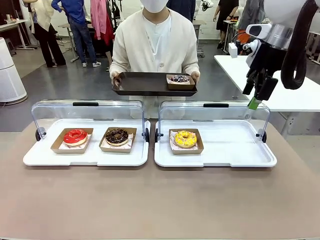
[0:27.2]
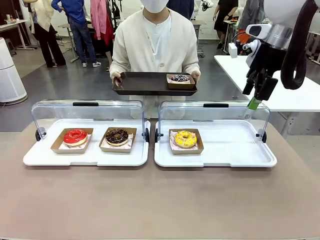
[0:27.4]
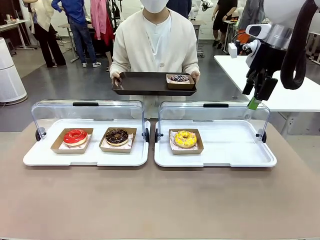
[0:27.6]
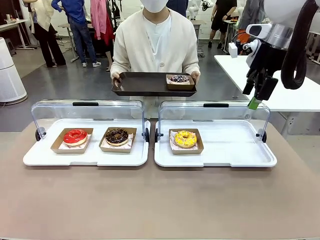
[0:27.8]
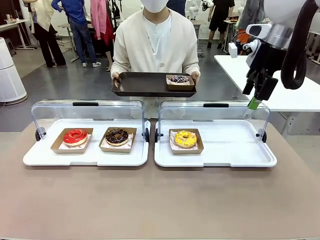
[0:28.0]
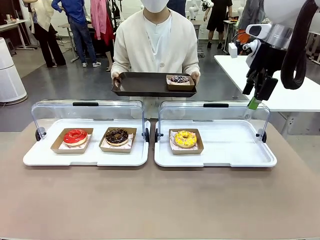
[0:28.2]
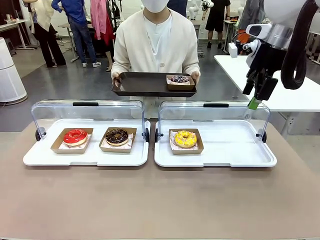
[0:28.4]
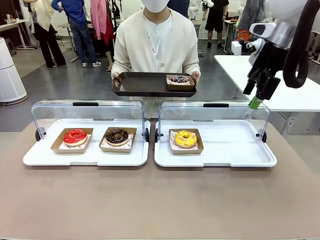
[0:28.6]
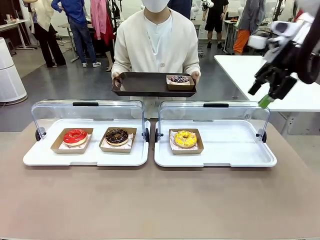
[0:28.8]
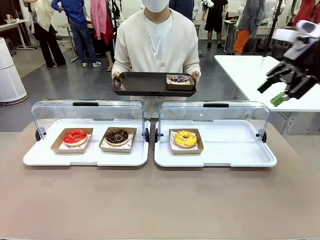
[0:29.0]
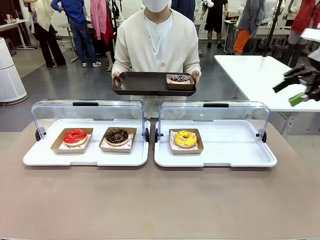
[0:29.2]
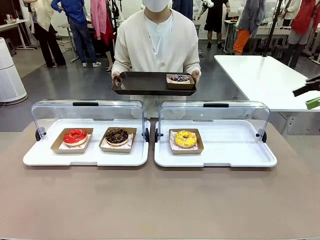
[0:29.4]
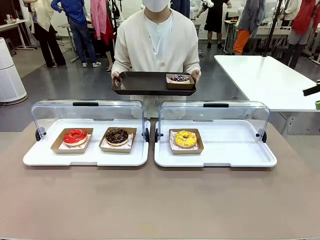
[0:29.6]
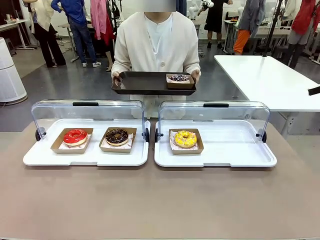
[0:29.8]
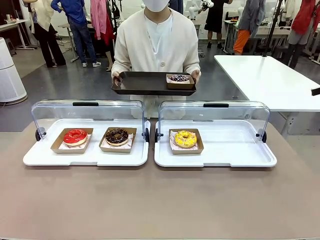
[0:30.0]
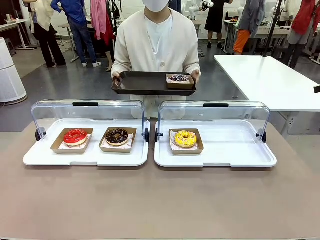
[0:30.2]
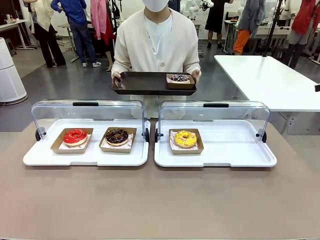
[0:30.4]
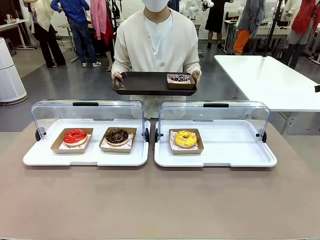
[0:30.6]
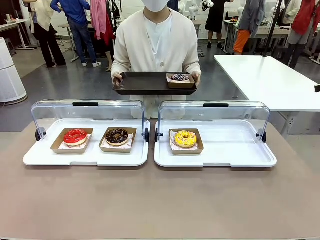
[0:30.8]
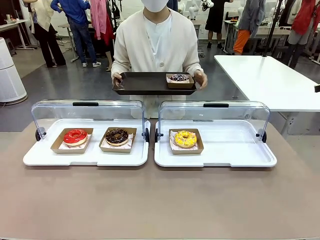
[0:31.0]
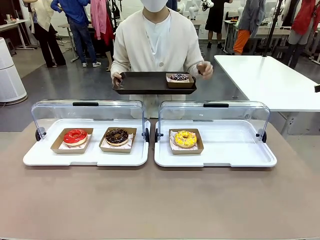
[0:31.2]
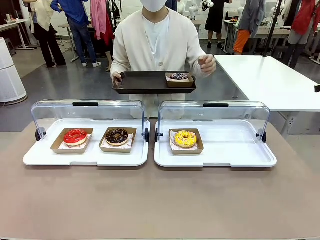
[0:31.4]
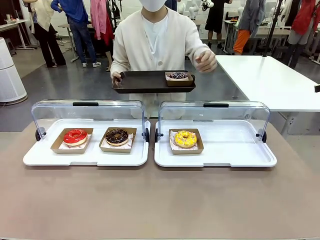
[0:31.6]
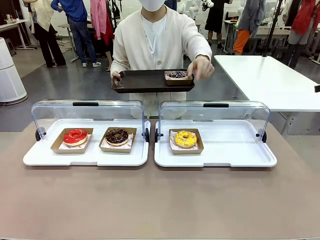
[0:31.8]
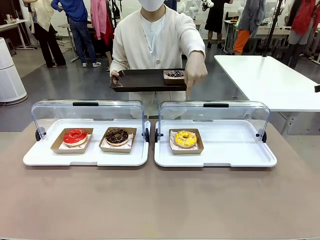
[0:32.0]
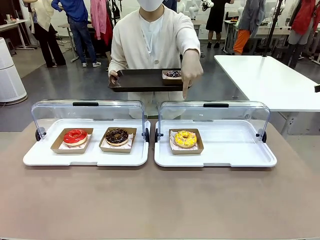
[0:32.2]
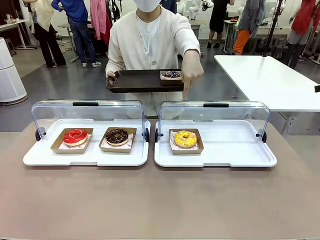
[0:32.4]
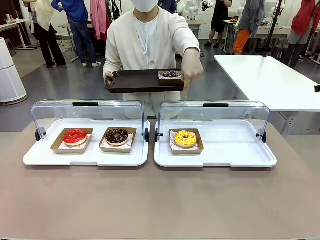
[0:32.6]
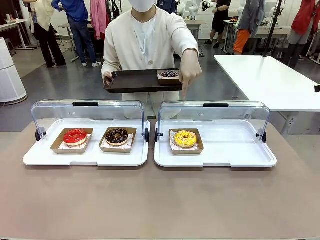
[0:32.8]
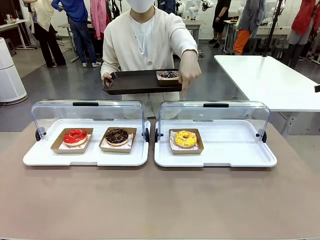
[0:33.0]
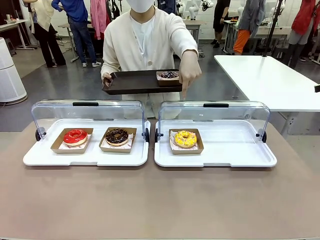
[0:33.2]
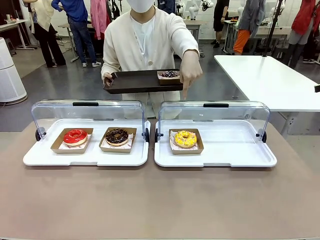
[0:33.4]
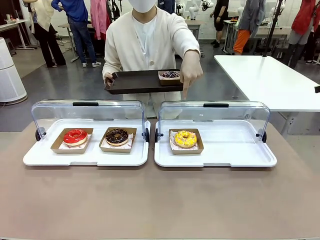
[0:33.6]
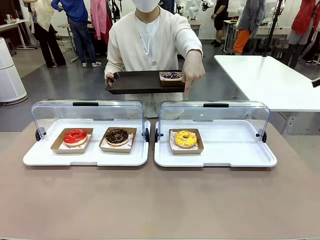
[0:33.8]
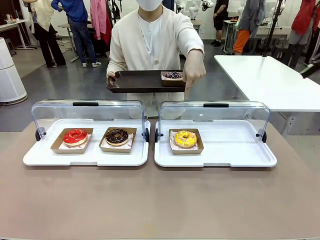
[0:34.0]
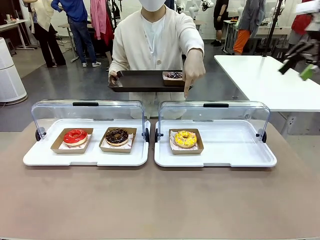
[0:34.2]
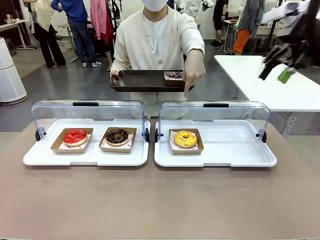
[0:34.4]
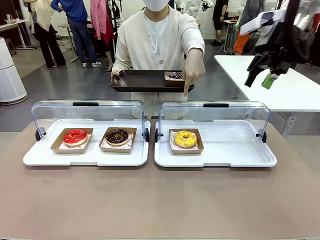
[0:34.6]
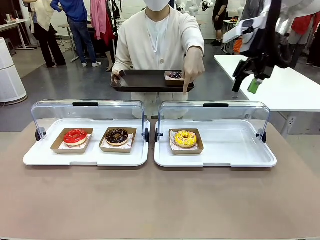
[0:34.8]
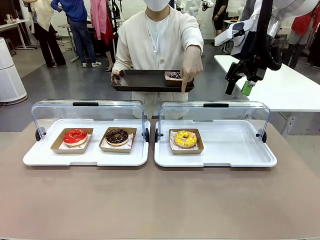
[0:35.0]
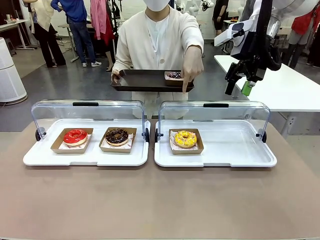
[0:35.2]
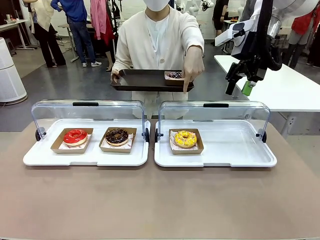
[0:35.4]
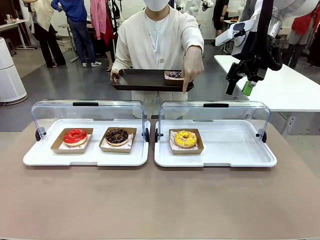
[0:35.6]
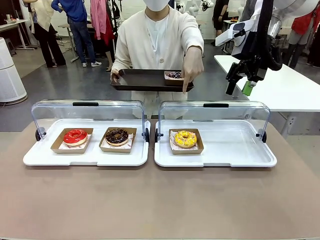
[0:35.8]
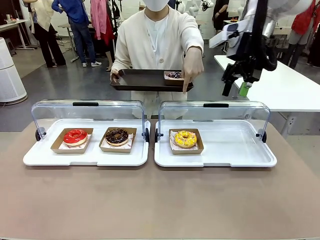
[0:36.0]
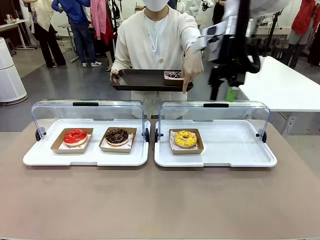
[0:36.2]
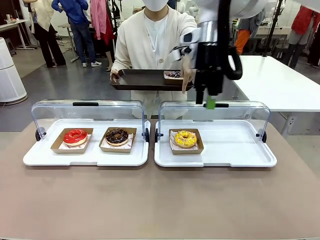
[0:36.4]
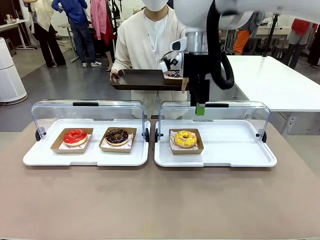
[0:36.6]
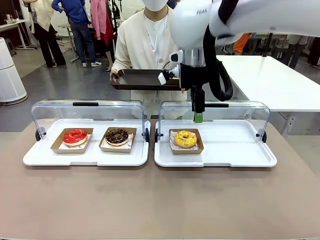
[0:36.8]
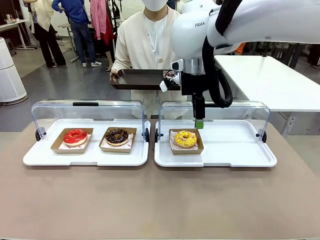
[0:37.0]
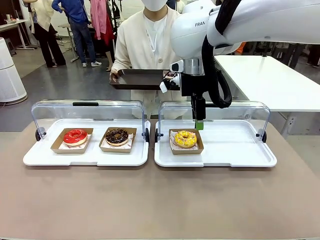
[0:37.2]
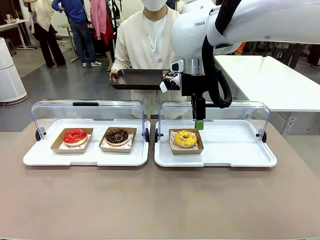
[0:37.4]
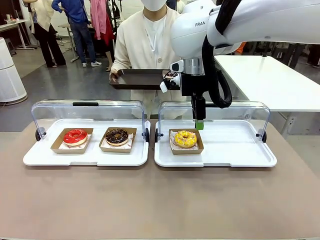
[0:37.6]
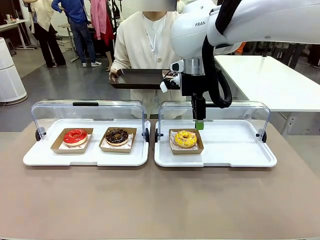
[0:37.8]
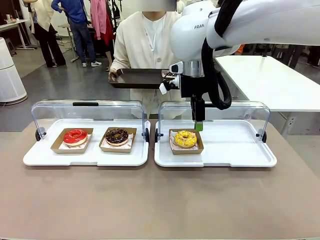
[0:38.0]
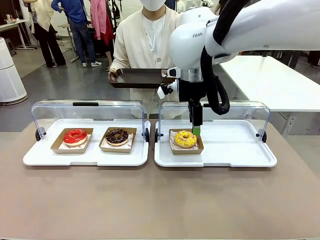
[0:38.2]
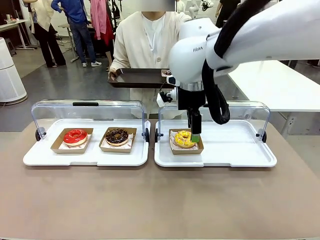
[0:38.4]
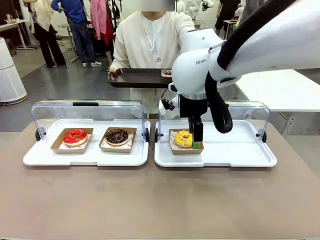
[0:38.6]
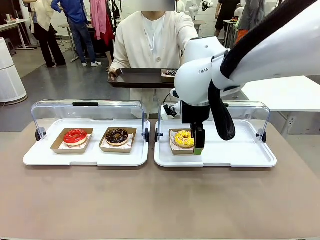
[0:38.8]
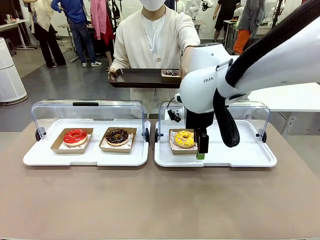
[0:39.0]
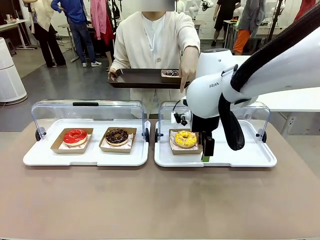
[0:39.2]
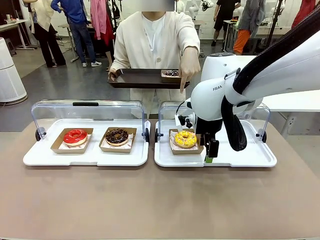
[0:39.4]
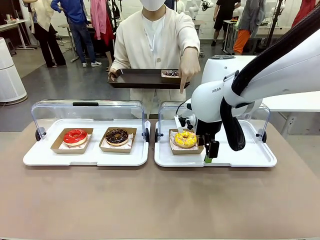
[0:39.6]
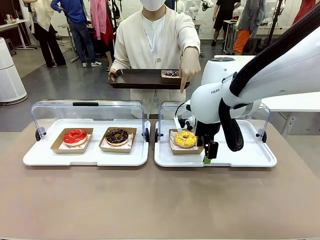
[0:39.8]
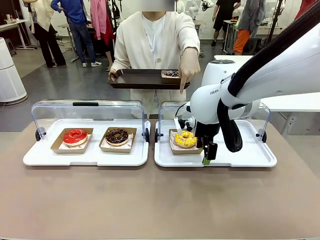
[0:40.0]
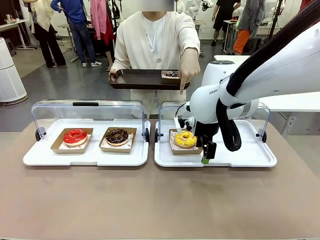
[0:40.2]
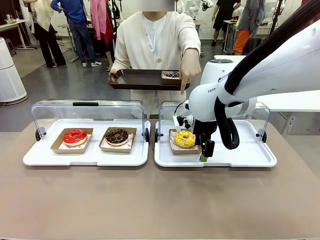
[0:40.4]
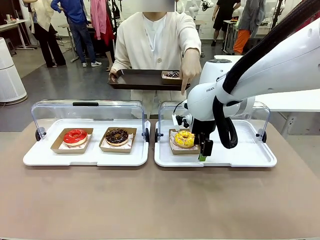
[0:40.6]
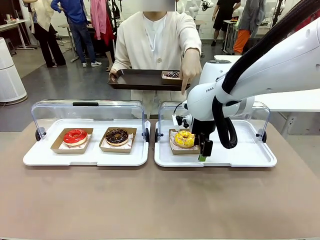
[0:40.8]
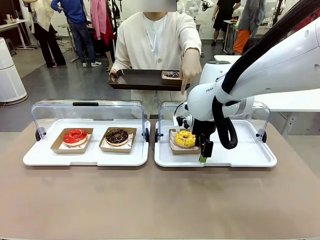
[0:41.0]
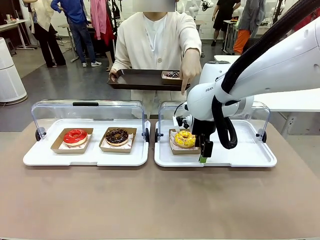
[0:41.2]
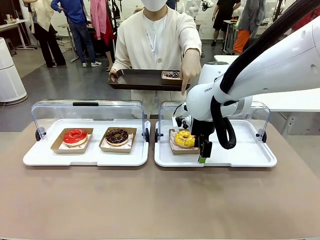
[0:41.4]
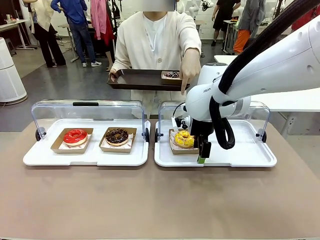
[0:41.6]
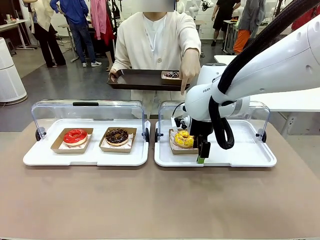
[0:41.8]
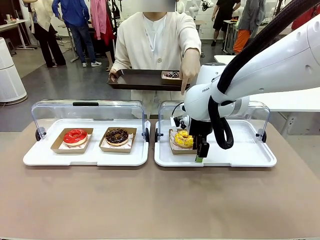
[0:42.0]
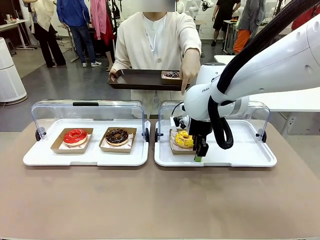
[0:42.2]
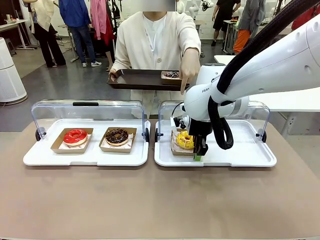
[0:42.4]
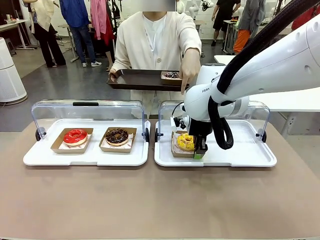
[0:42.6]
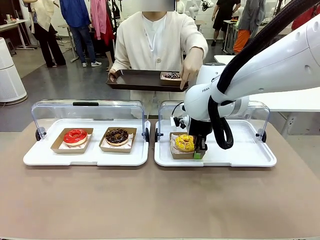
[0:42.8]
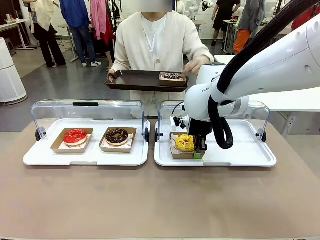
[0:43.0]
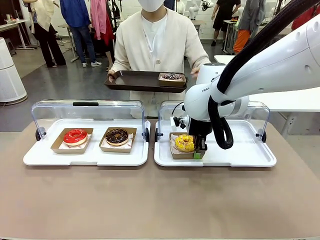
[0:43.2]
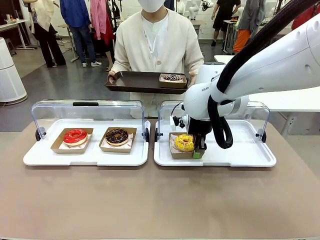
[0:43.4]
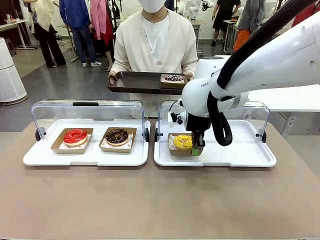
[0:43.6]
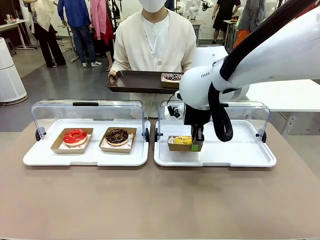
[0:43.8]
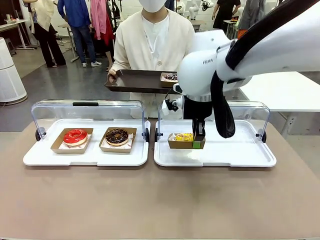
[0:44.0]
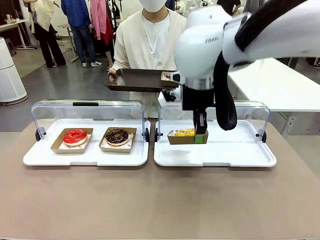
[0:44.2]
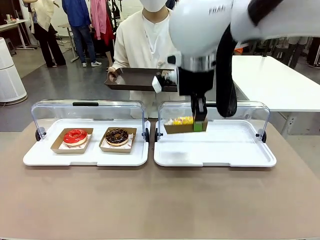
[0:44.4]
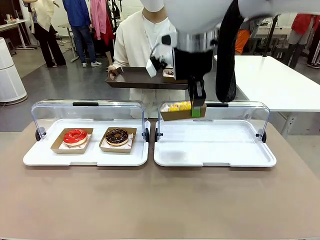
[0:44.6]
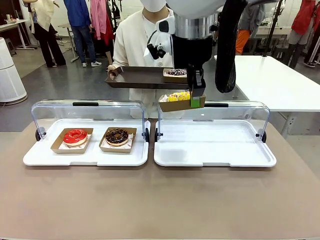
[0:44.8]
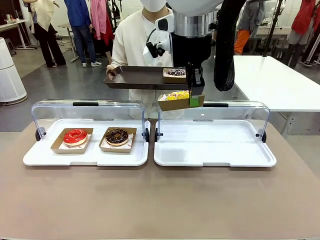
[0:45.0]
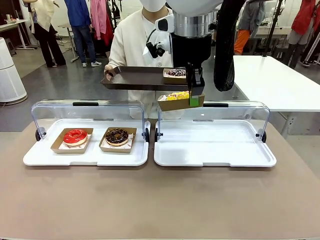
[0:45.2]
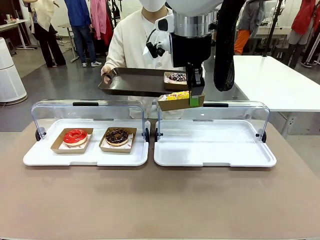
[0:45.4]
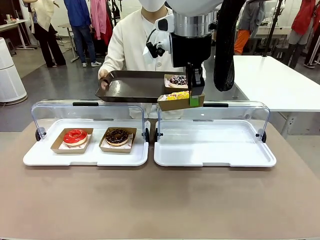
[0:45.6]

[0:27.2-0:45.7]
Task: Provide the desired donut to the person.
Robot: Pick up and lift the Paper togo box containing the Donut pointed at by the person.
Person: Point to one donut. Lift the tray onto the Roll-Top Bakery Case.
